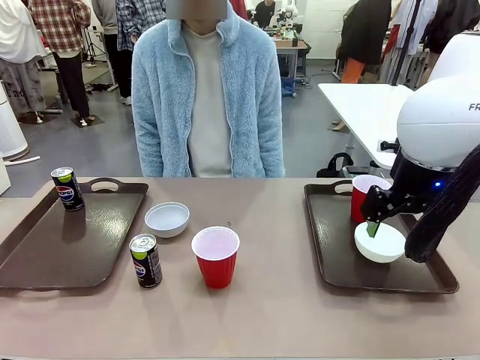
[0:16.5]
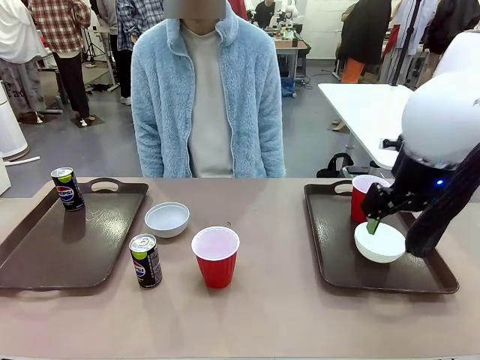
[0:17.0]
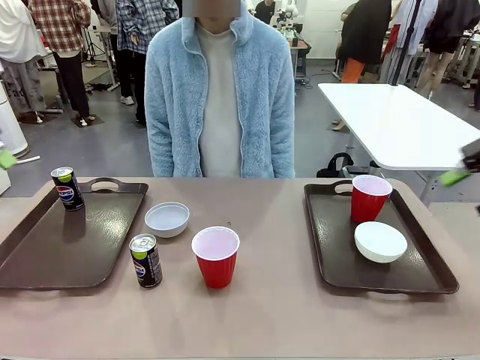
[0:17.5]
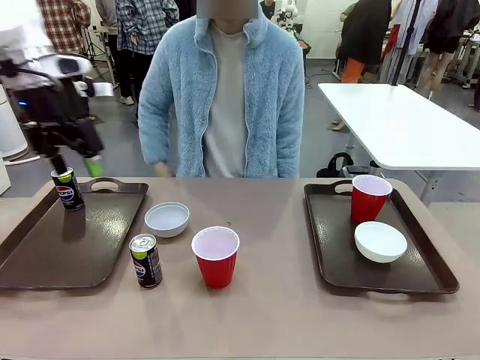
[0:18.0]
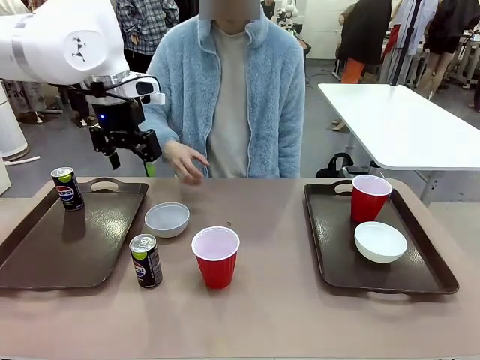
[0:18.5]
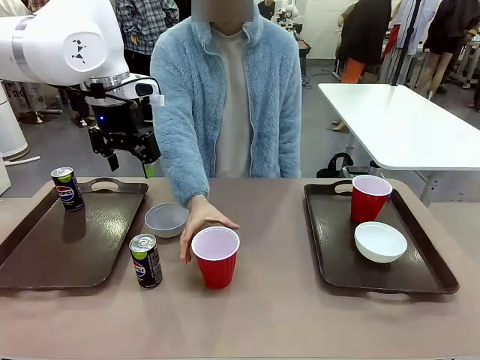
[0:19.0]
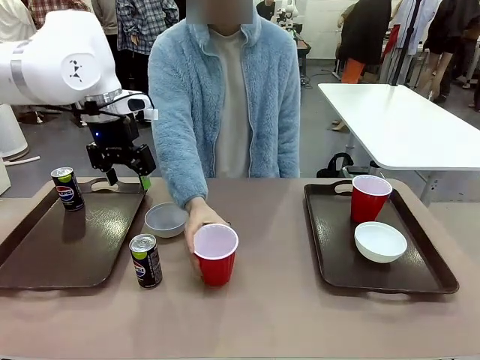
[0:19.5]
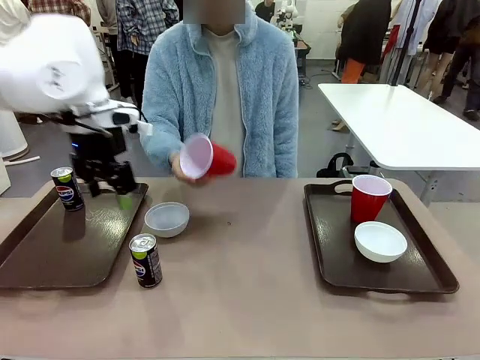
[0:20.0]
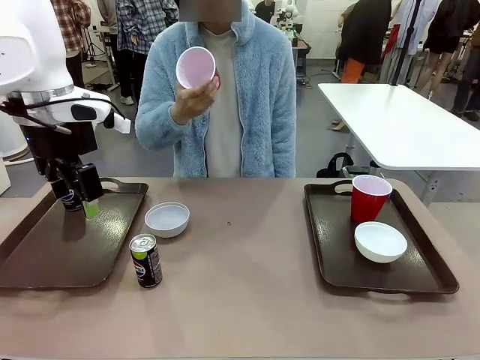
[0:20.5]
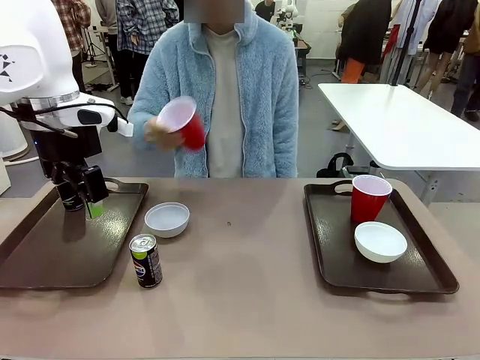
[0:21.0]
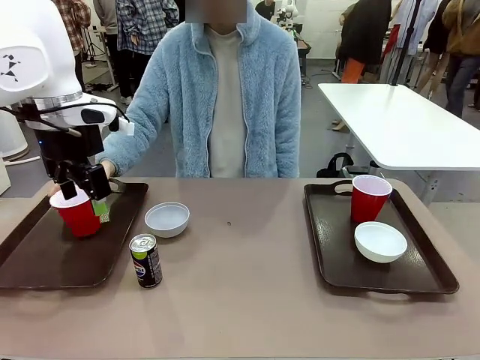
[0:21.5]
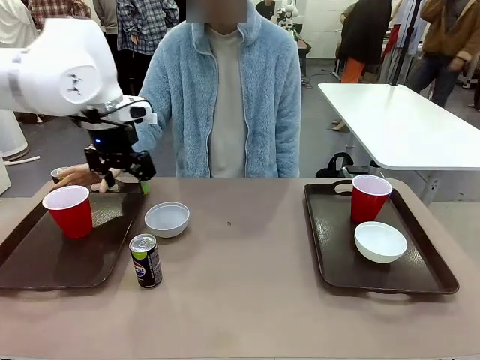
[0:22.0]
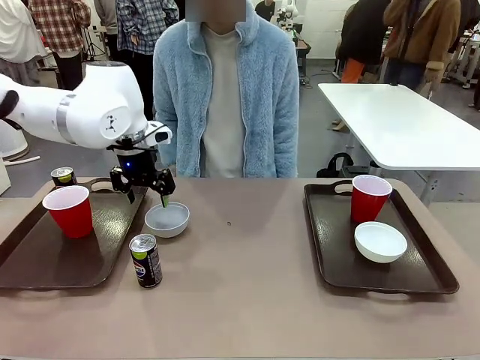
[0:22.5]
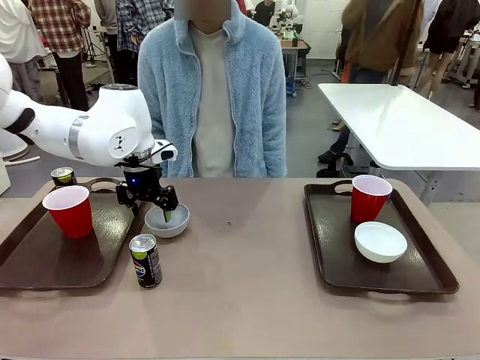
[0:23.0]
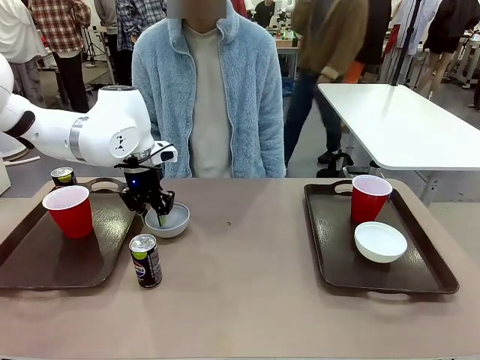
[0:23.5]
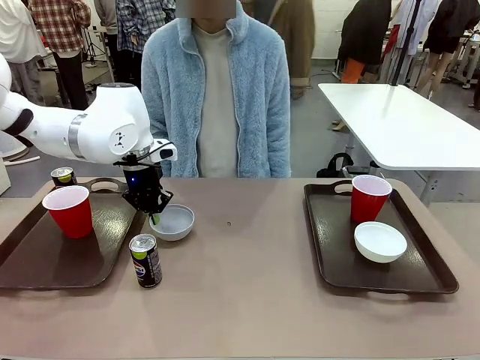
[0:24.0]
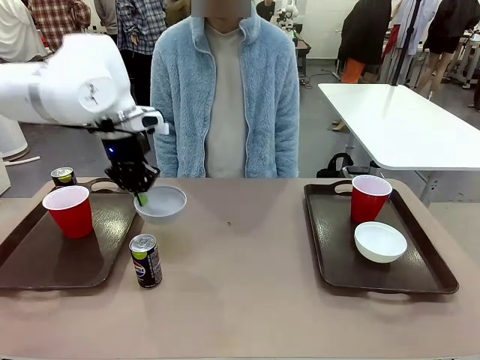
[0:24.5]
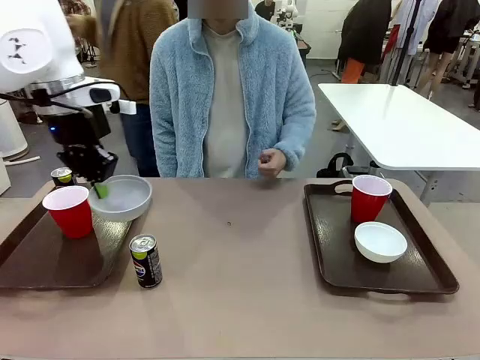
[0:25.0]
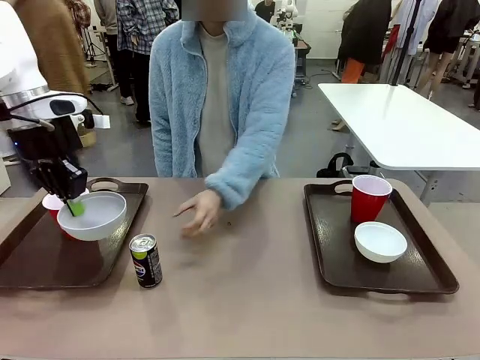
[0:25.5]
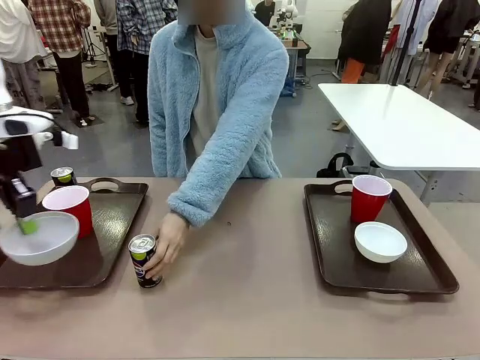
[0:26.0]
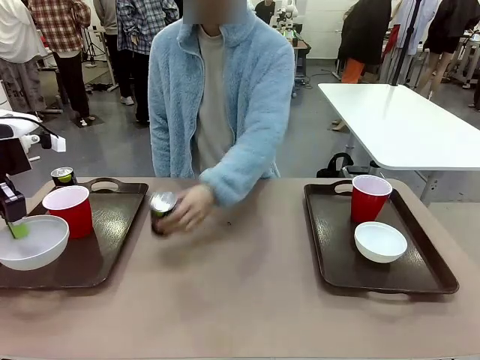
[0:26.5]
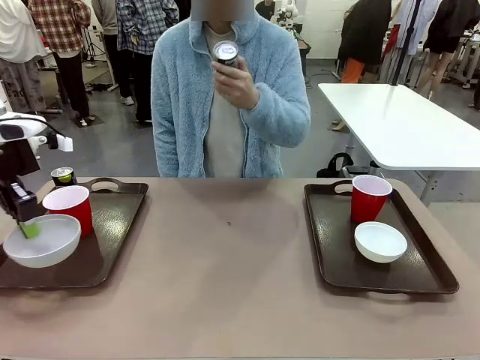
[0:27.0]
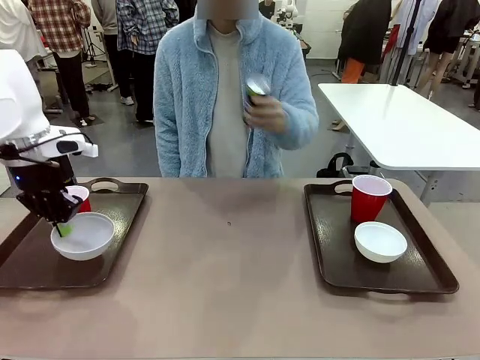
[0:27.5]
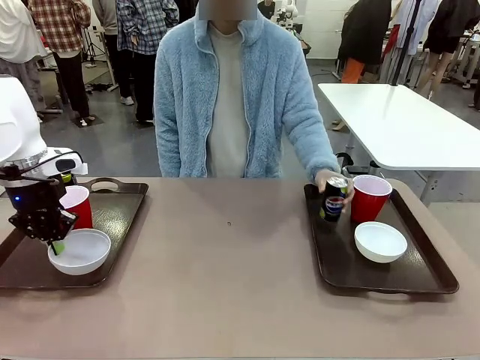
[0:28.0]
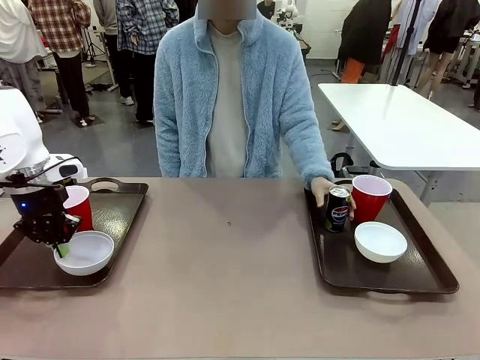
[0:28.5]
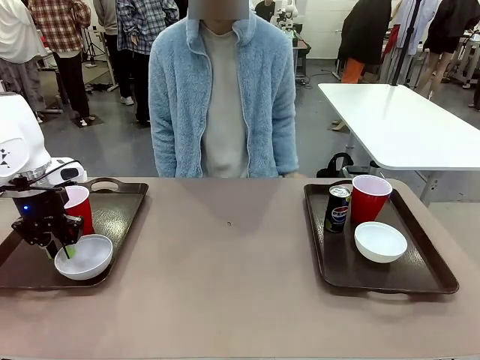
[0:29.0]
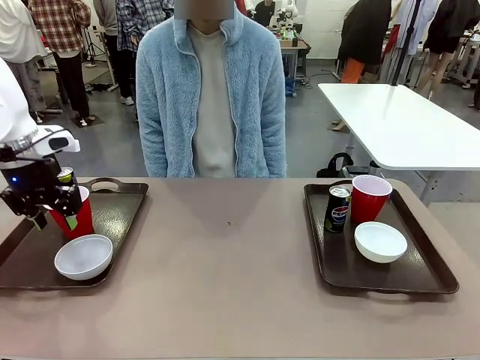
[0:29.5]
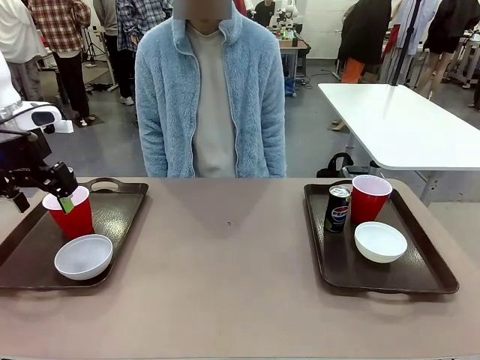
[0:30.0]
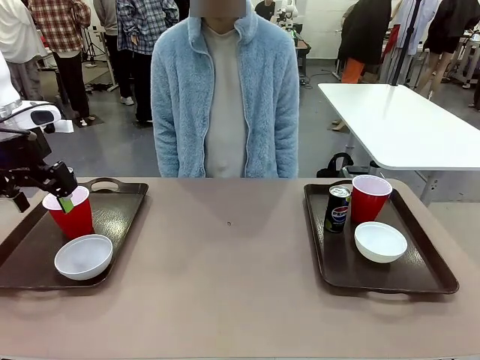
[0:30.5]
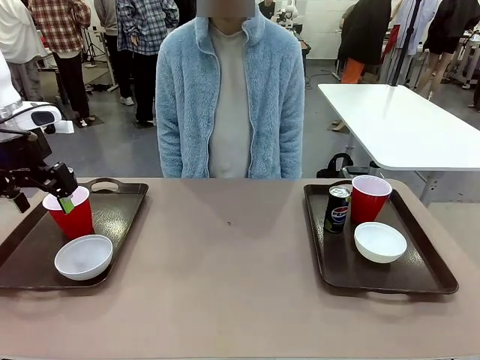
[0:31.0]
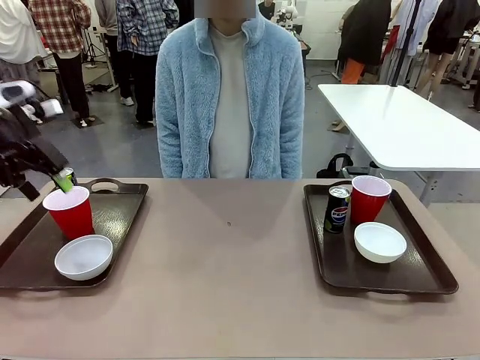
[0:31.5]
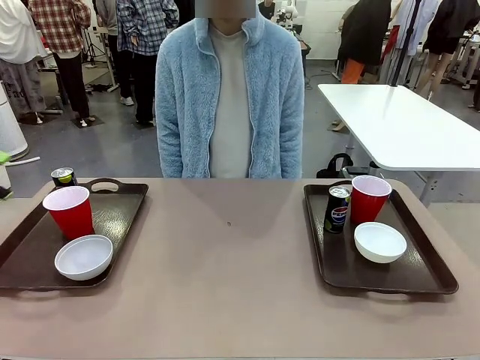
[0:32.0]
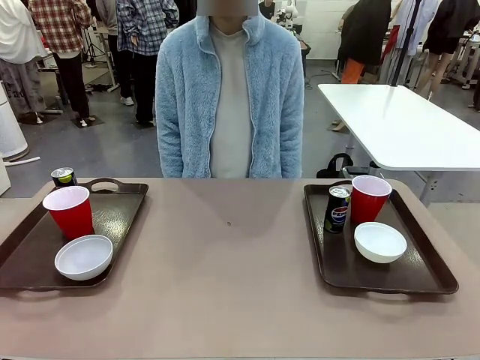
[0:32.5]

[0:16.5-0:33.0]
Task: Prepare tableware on both trays.
Robot: Pick up a Picnic Bowl from the table and place it on a Handle tray.
Person: Pick up a can or cup and place it on the tray without a can or cup.
